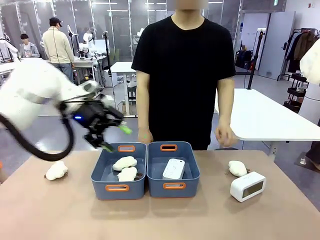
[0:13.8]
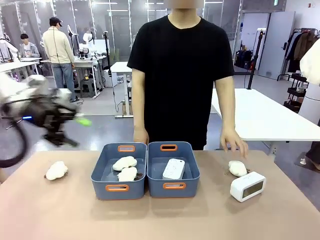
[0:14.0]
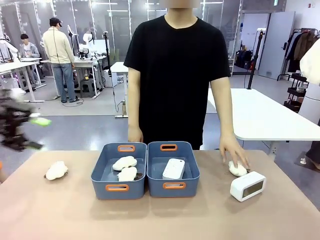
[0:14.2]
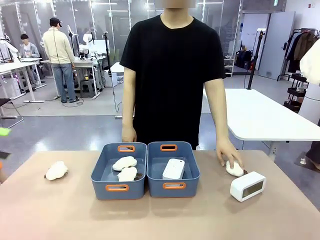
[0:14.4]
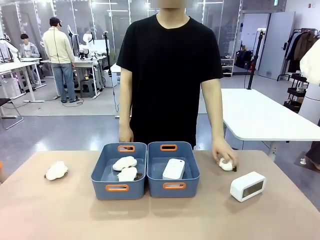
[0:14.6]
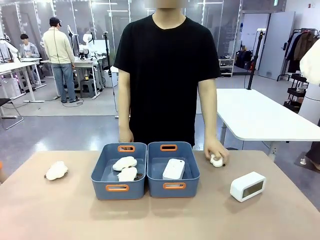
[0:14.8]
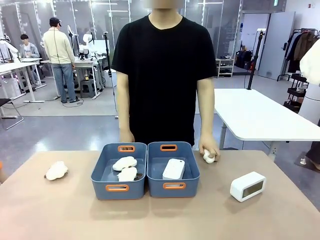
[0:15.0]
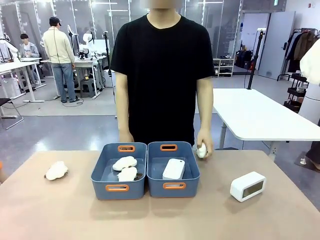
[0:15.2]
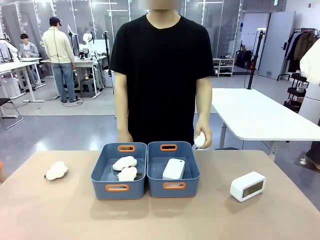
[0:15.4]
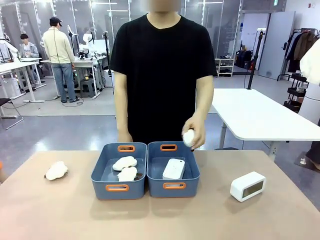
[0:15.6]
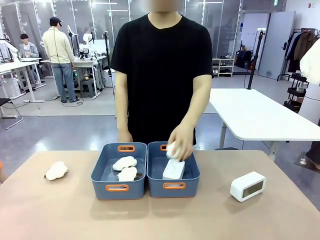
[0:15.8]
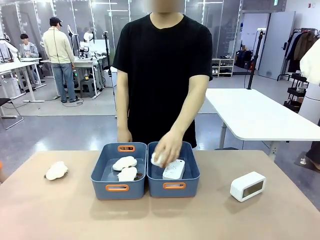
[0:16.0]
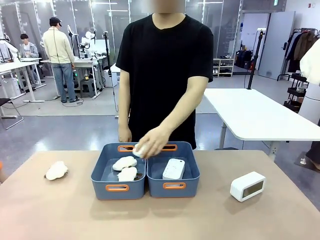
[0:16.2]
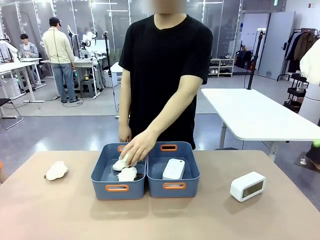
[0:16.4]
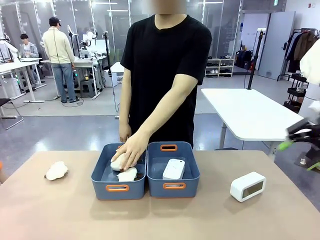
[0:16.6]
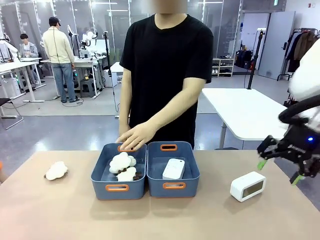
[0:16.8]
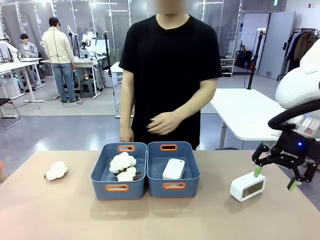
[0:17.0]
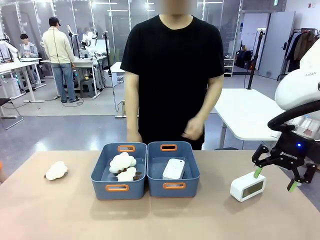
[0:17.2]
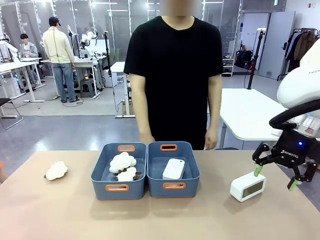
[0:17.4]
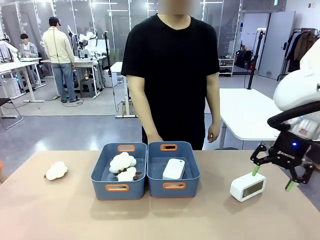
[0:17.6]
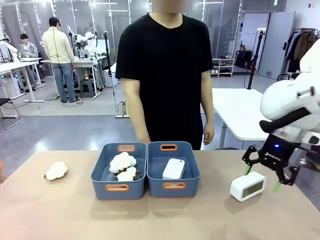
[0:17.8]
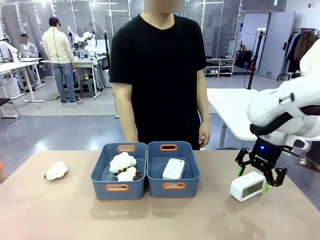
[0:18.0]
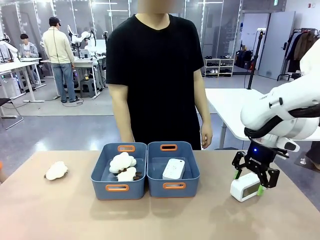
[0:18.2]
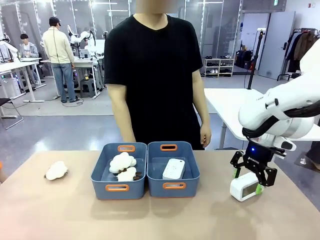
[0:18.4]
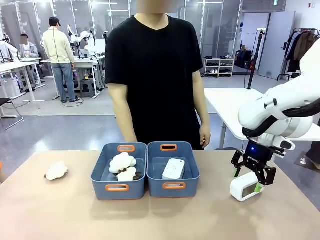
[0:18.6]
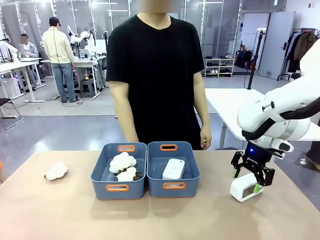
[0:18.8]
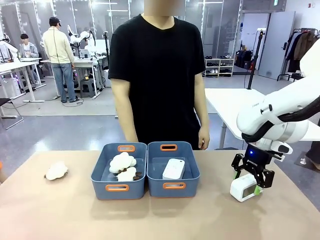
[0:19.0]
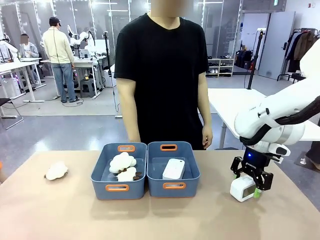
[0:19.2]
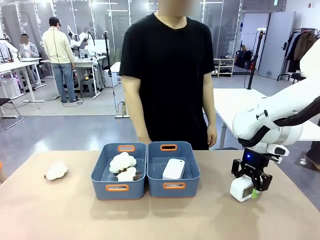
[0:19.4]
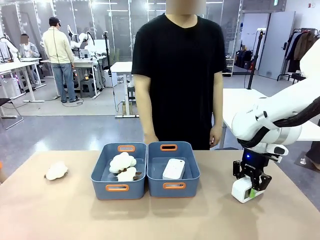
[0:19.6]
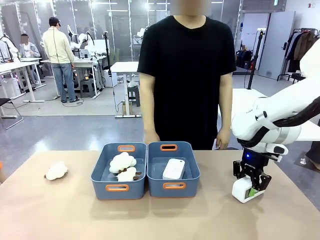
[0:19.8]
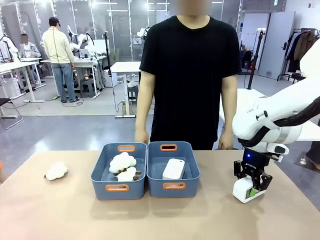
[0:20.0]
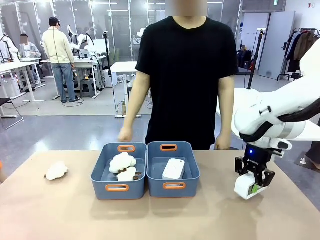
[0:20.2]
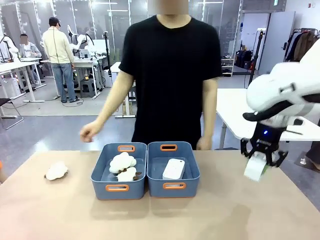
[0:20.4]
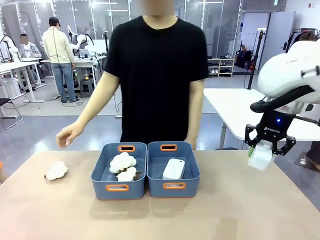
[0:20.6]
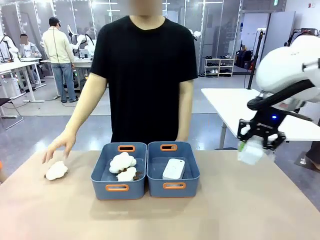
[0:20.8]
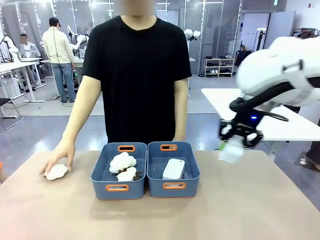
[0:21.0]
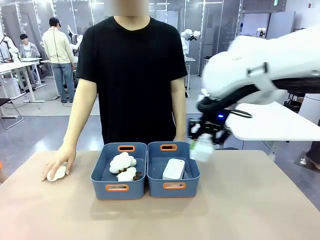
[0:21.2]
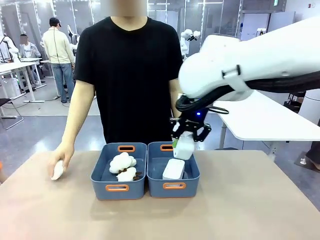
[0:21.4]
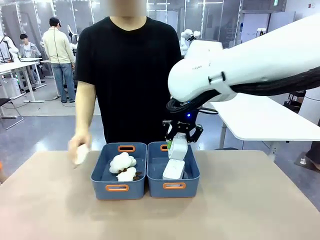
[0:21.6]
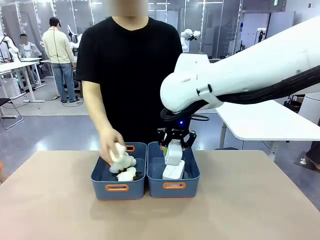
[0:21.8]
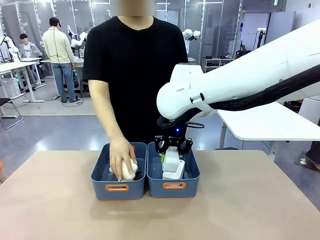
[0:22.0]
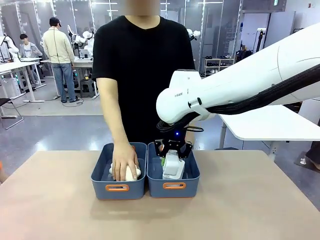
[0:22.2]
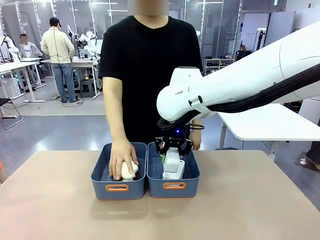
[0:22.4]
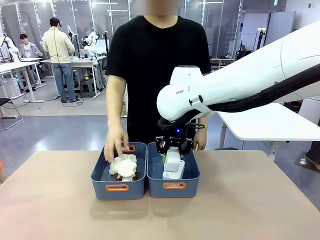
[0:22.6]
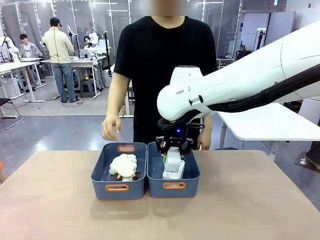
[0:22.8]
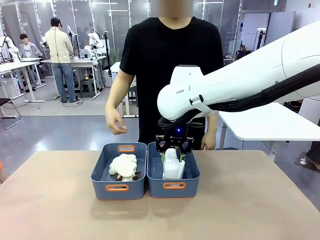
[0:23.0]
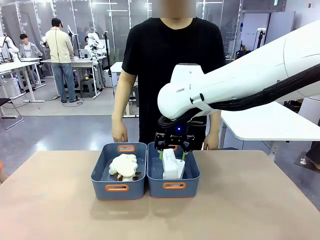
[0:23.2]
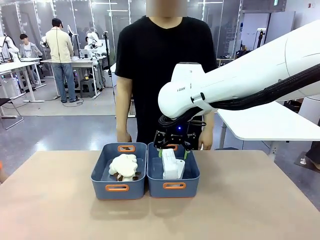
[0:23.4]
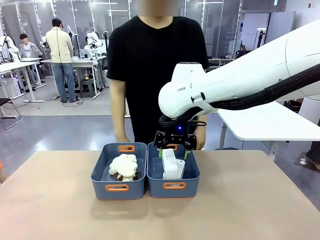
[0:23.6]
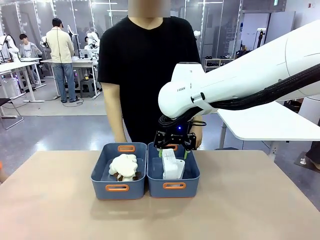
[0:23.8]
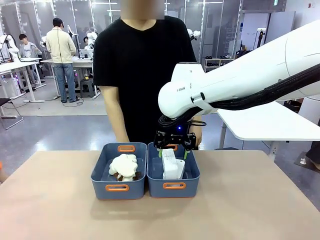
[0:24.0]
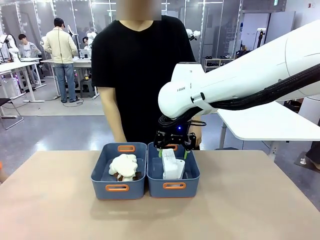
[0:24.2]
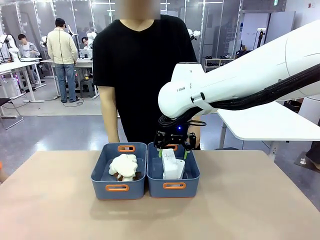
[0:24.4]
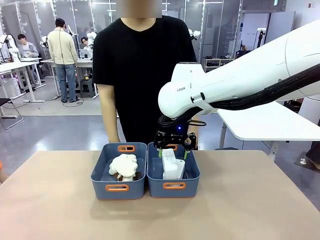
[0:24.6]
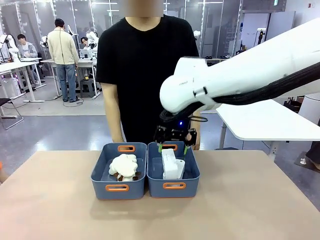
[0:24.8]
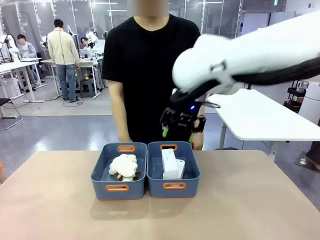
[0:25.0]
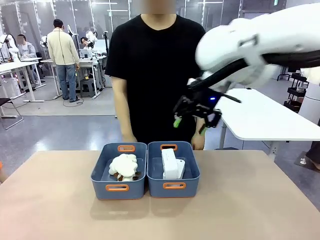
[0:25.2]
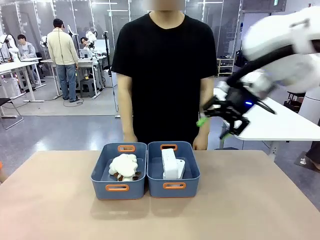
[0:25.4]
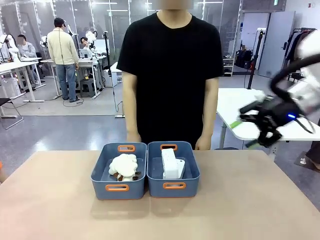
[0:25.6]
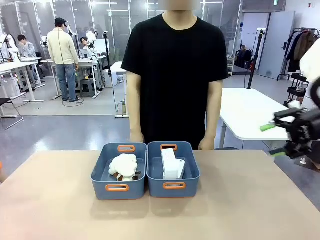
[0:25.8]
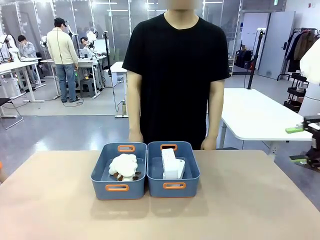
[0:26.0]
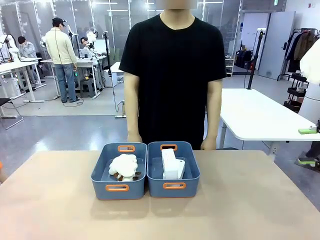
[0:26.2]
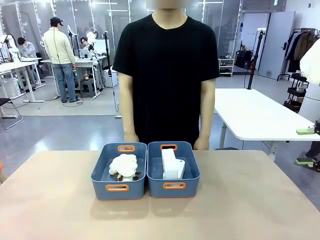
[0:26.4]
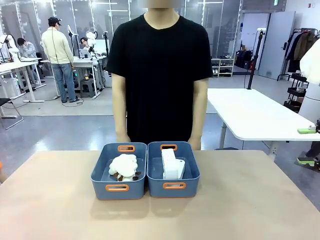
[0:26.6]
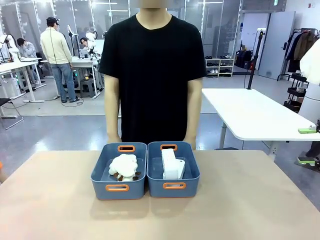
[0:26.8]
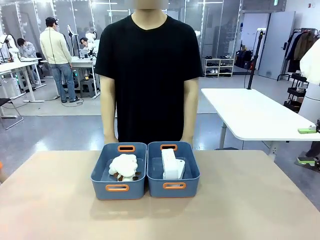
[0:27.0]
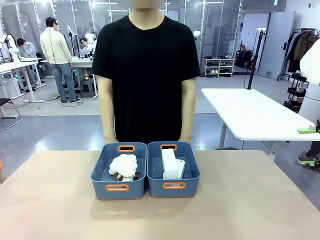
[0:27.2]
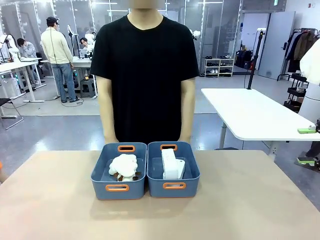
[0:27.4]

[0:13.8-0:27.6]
Task: Sort the digital clocks into the basket.
Robot: Pick up the Digital clock from the table and place it into the empty Plastic storage basket.
Person: Pick up a plush toy from the table and place it in the plastic storage basket containing the plush toy.
